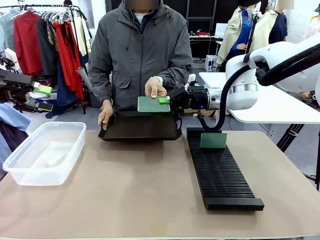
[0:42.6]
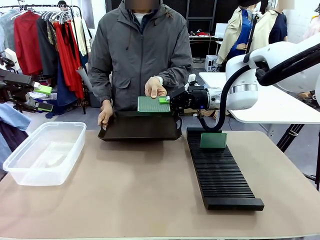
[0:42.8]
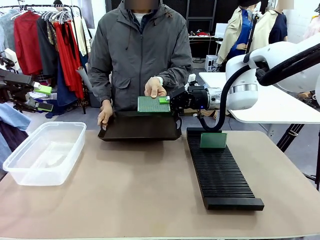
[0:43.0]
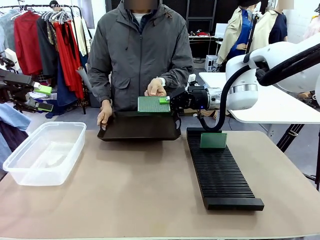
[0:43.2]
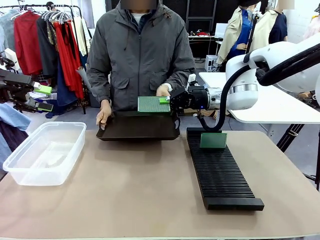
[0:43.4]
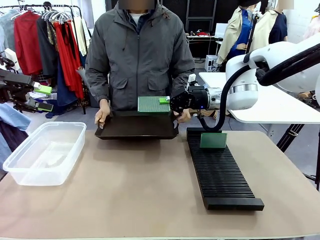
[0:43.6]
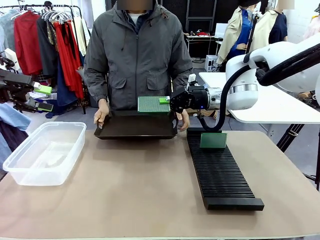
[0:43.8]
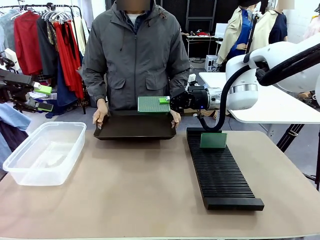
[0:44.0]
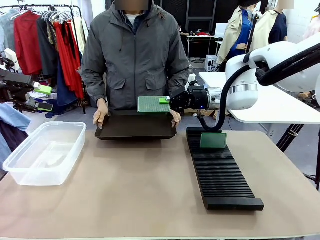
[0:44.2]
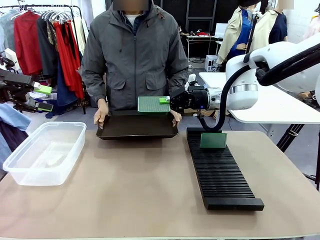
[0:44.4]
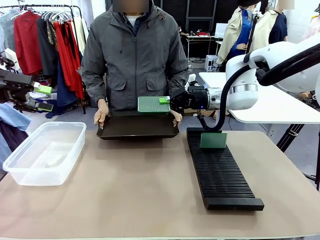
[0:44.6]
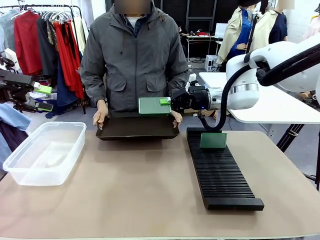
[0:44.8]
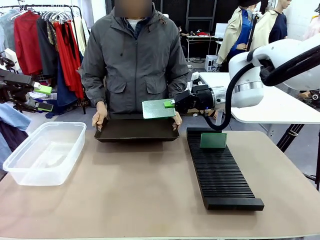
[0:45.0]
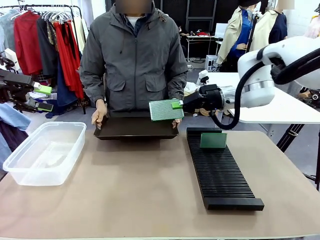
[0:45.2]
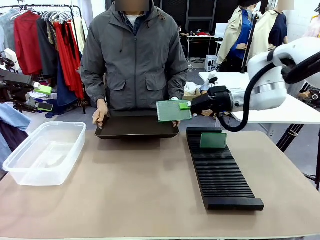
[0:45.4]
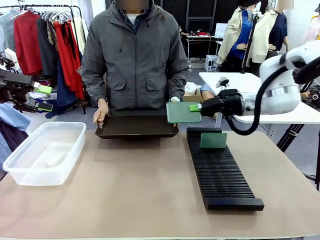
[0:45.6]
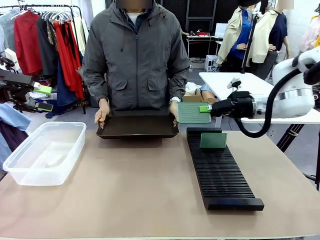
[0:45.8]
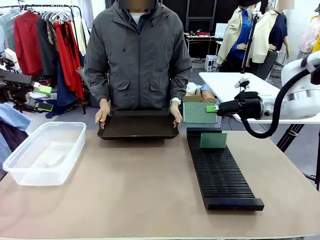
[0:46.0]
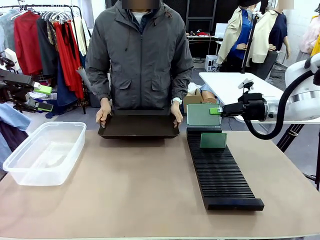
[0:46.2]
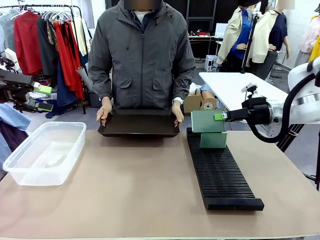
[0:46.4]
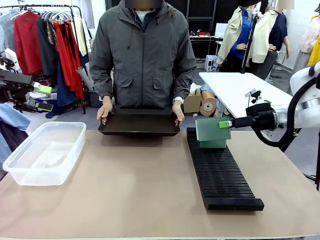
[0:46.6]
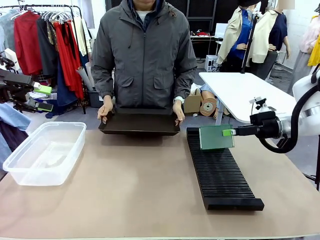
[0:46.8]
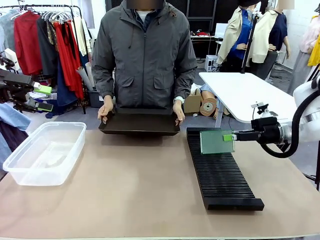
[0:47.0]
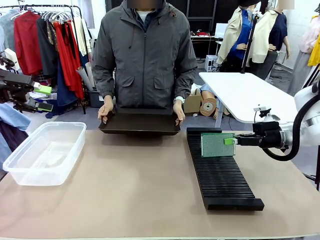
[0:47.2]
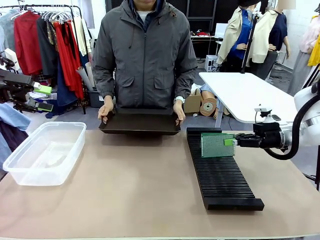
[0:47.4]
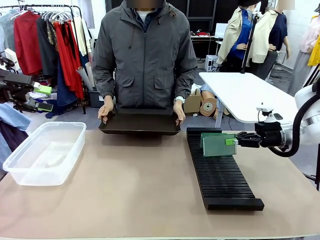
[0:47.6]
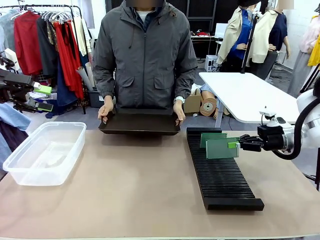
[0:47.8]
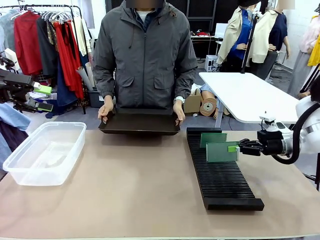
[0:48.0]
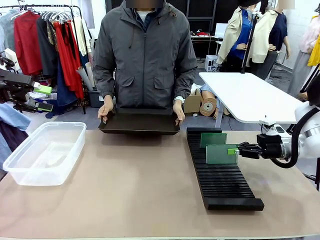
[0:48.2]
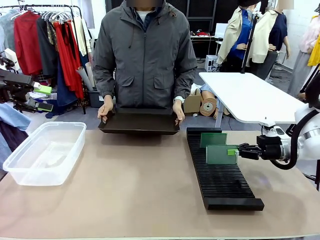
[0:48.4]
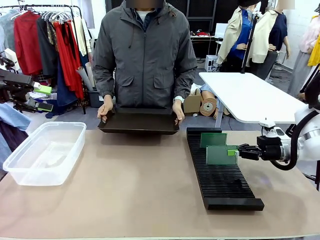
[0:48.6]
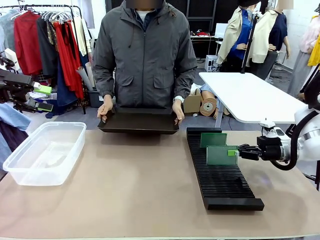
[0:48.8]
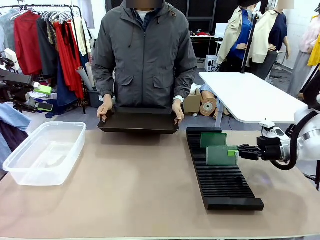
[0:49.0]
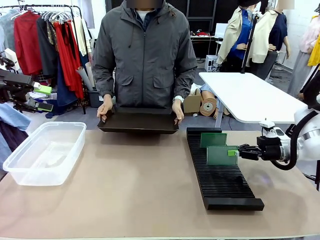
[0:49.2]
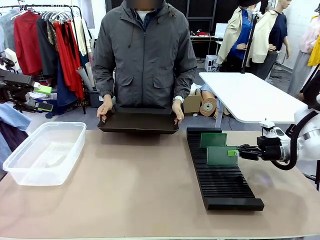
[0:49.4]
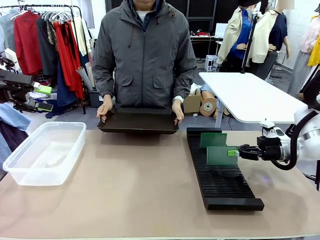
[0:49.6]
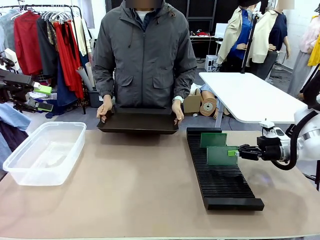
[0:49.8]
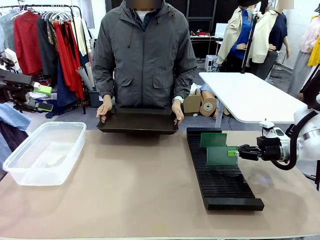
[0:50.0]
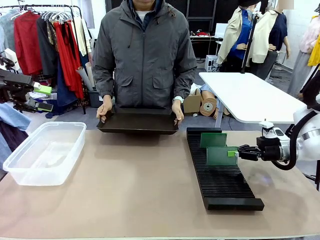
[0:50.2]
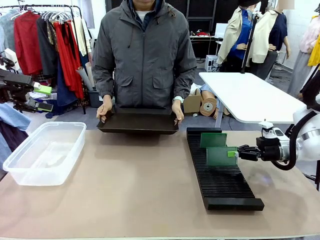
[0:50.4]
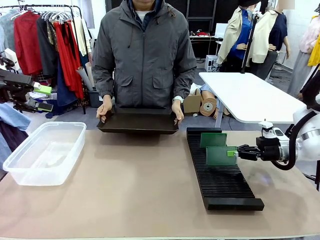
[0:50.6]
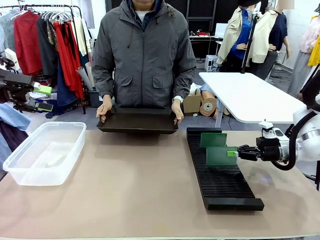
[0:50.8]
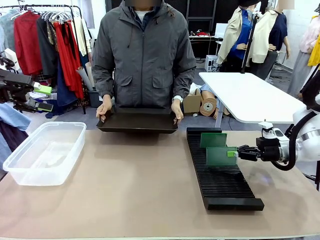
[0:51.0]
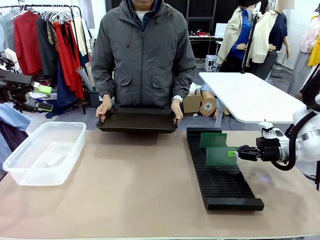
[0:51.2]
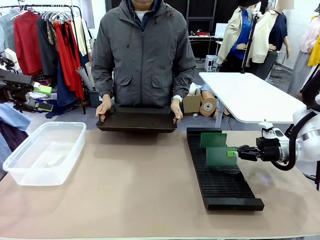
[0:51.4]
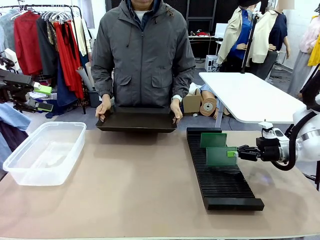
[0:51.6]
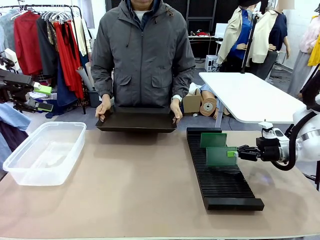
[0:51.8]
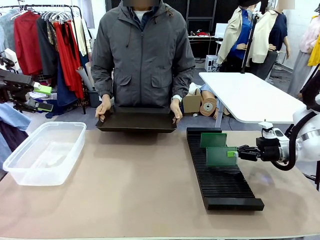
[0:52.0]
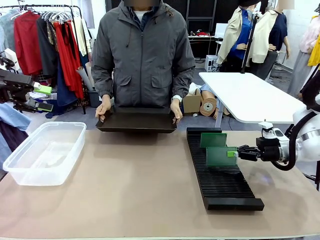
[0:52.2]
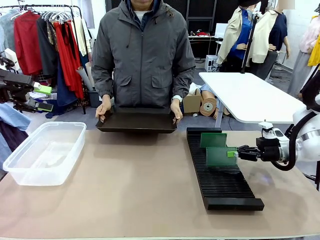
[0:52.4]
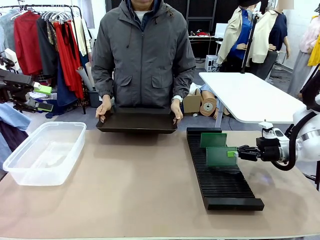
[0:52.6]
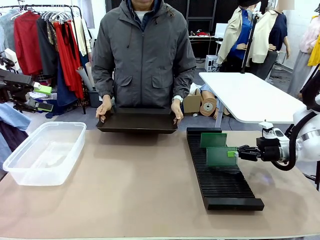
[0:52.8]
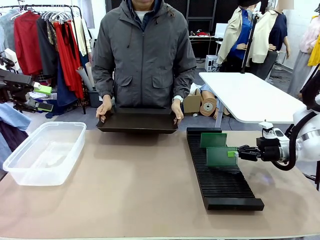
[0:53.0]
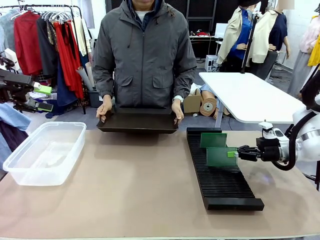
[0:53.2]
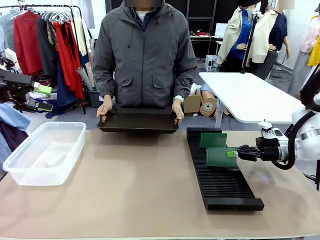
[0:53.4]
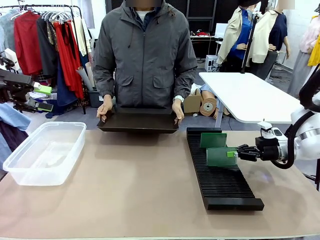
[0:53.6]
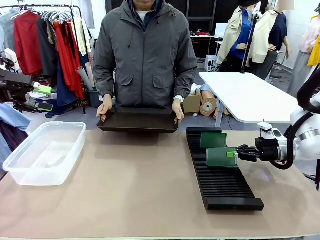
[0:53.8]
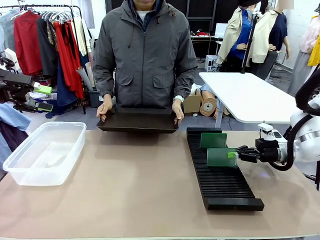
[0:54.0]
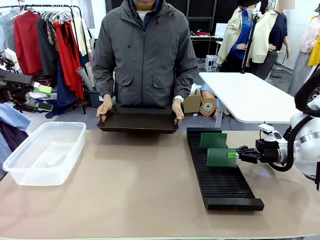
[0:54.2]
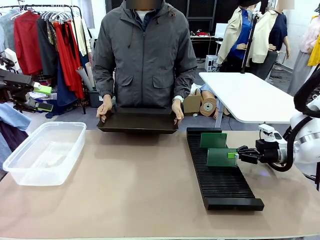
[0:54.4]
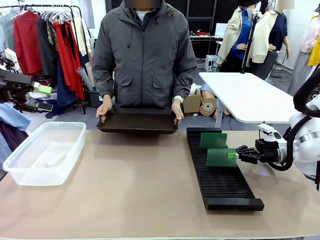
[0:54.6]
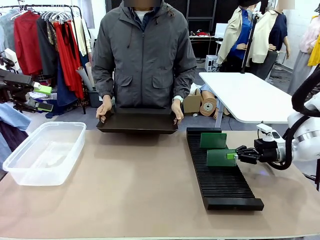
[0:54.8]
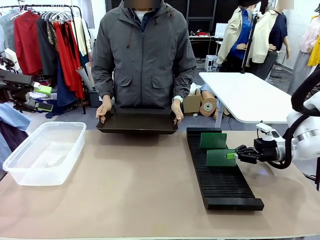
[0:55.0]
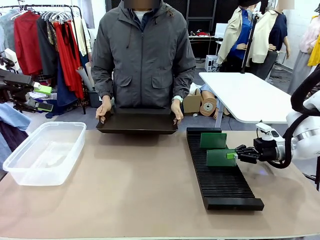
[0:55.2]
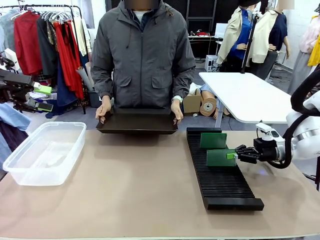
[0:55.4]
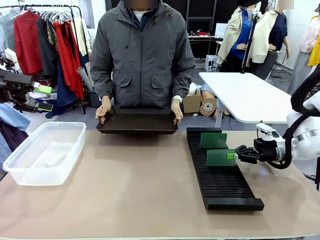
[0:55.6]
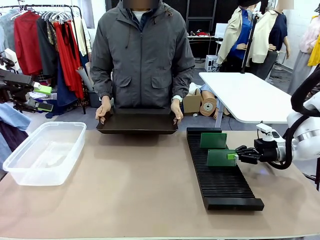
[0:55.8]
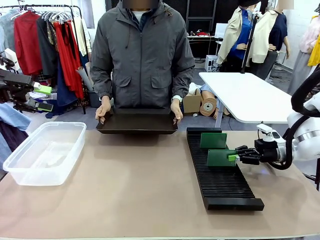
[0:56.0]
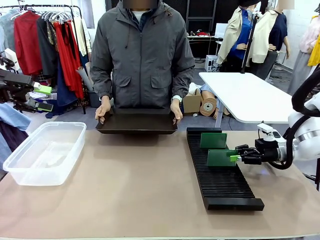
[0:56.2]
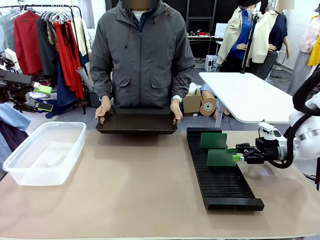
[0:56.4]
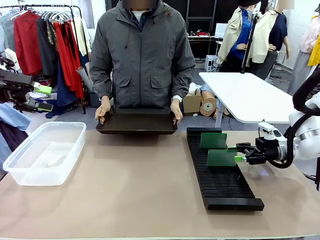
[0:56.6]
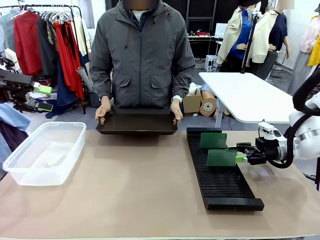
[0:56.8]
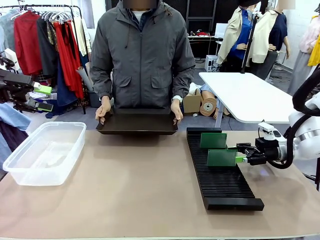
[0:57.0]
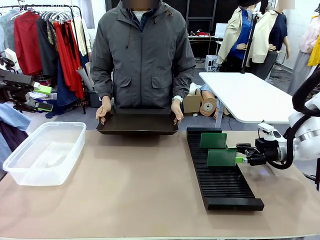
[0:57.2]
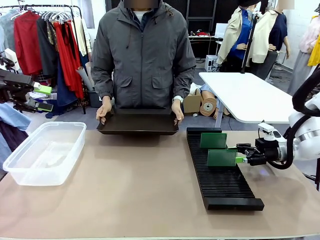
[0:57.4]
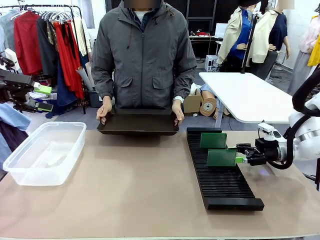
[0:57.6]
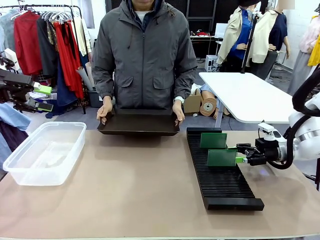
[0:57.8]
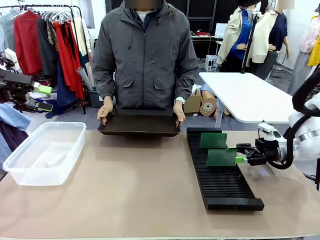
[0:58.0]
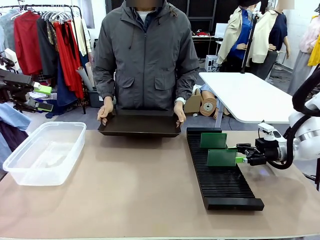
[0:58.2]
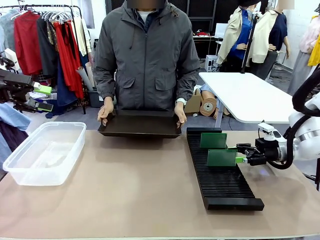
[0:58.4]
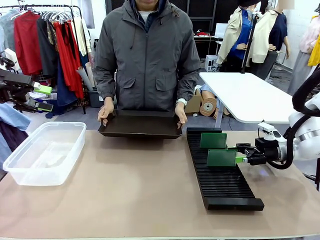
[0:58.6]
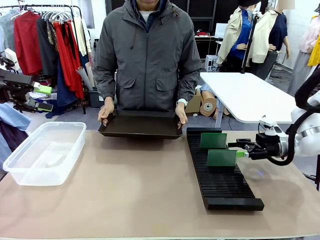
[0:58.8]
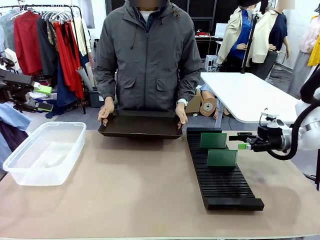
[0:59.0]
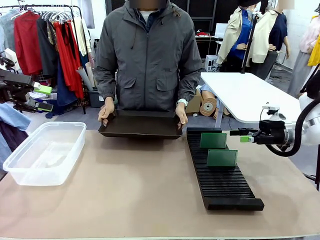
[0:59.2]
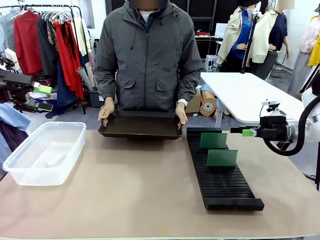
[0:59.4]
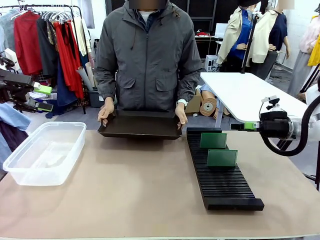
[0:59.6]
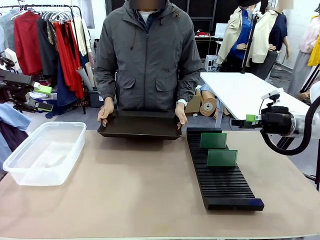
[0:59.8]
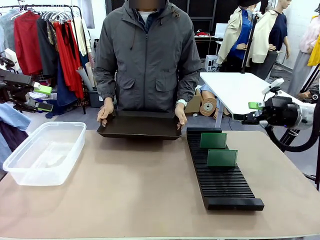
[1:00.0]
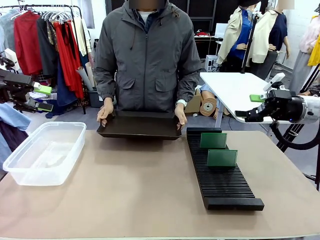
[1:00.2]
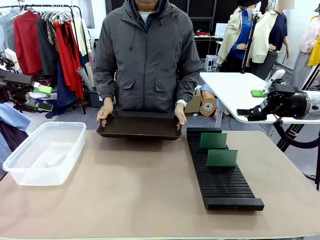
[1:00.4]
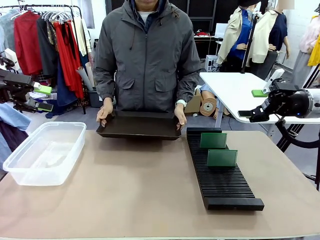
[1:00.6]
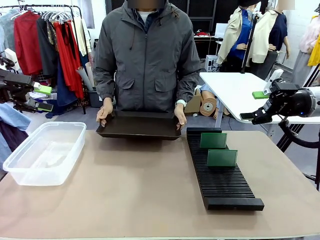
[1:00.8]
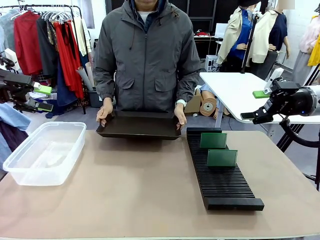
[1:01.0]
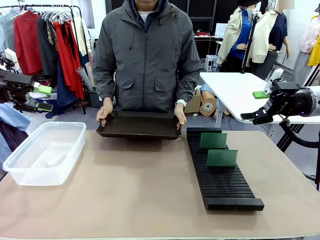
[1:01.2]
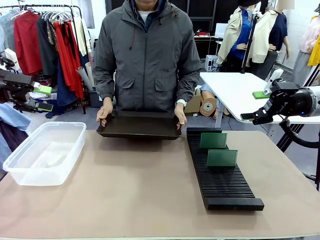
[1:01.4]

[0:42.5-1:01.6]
Task: Sort PCBs into racks and boxes based on the side picked up.
Robot: If the short side of the Blank PCB is picked up, insert it into the PCB Rack ; if the long side is picked up, place it in the Organizing box.
Person: Release the PCB being held.
